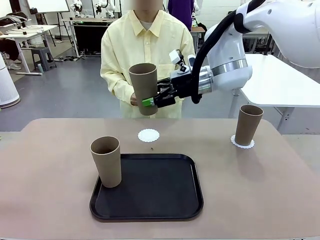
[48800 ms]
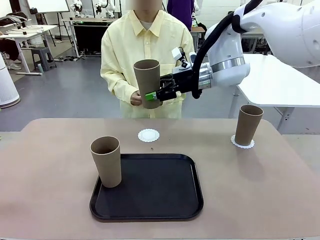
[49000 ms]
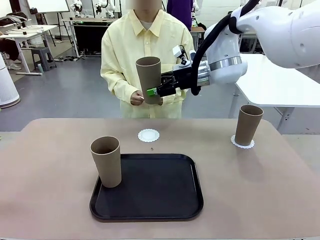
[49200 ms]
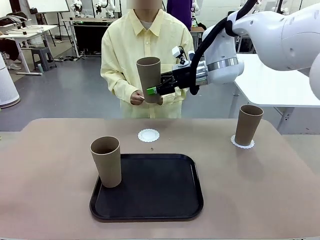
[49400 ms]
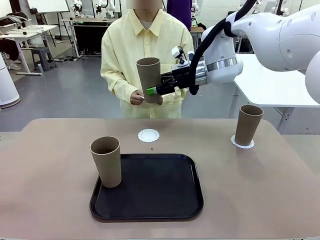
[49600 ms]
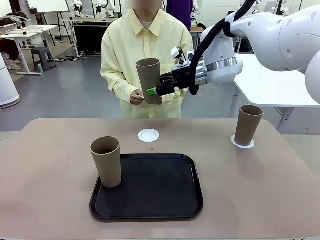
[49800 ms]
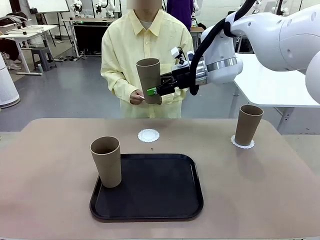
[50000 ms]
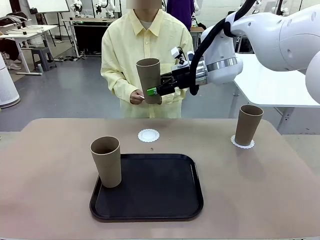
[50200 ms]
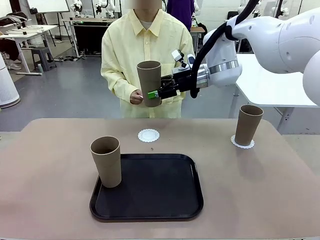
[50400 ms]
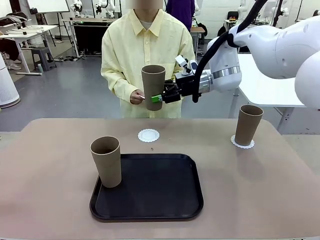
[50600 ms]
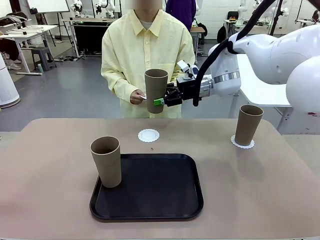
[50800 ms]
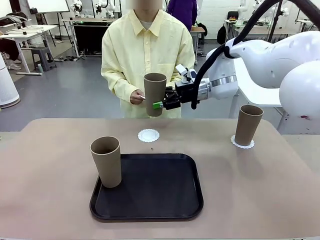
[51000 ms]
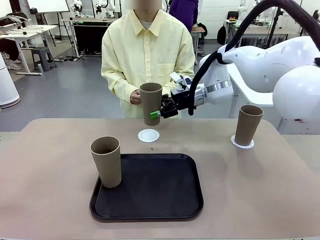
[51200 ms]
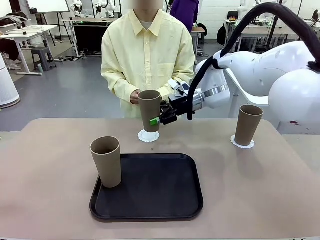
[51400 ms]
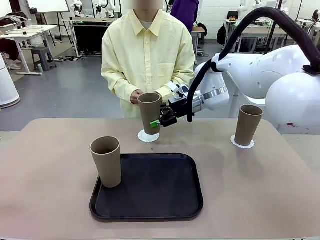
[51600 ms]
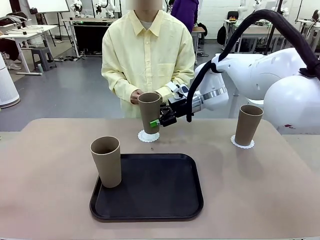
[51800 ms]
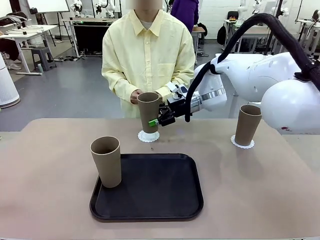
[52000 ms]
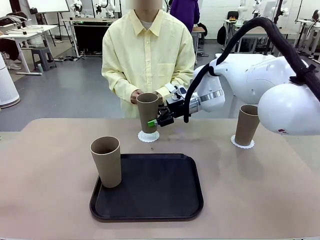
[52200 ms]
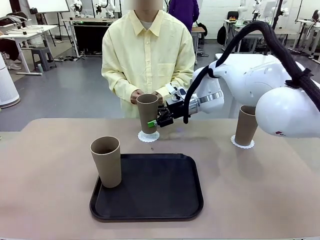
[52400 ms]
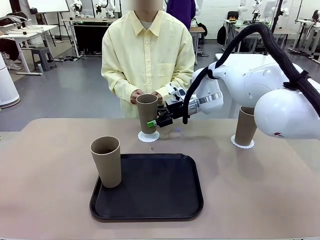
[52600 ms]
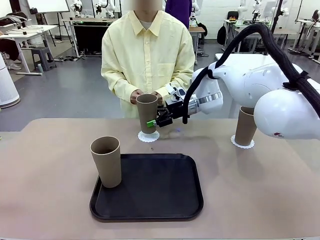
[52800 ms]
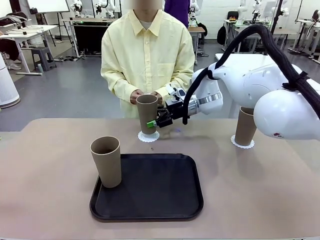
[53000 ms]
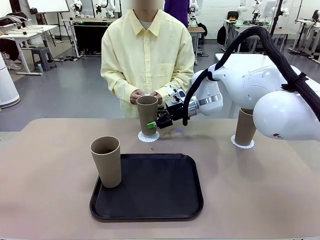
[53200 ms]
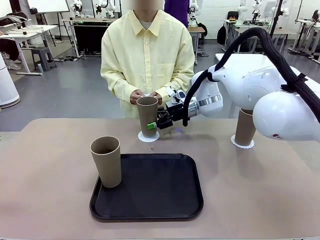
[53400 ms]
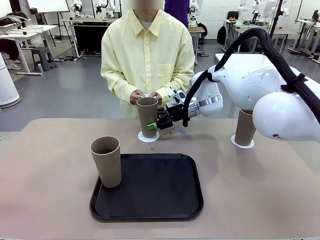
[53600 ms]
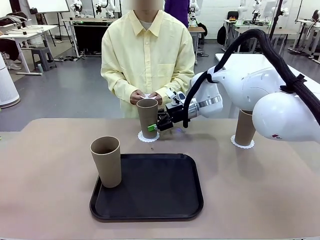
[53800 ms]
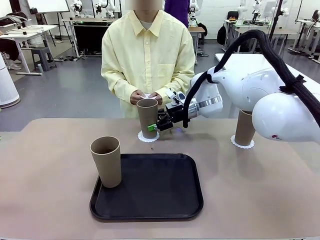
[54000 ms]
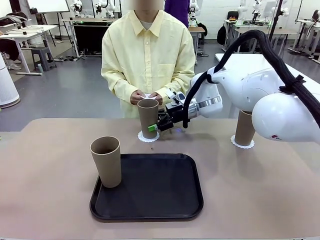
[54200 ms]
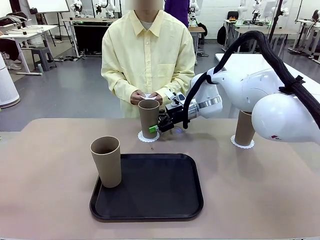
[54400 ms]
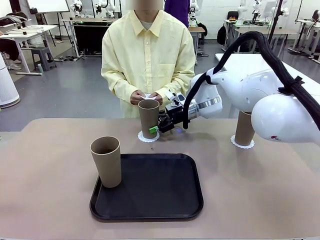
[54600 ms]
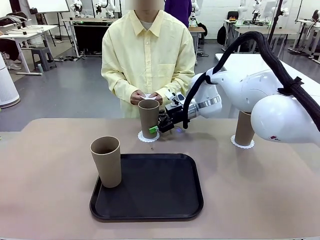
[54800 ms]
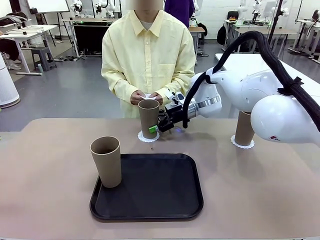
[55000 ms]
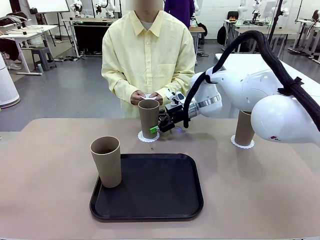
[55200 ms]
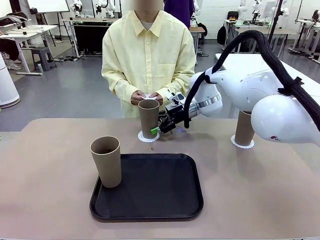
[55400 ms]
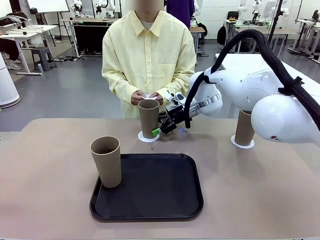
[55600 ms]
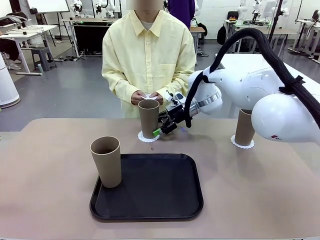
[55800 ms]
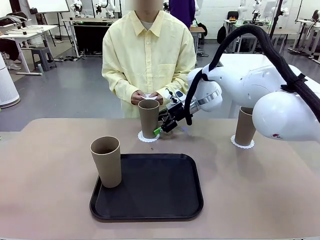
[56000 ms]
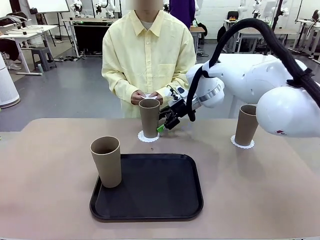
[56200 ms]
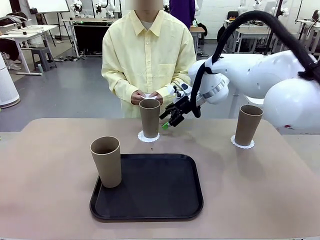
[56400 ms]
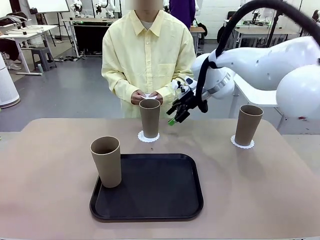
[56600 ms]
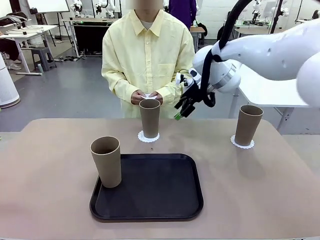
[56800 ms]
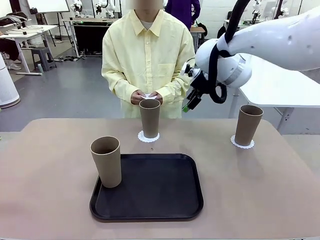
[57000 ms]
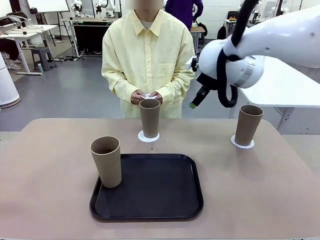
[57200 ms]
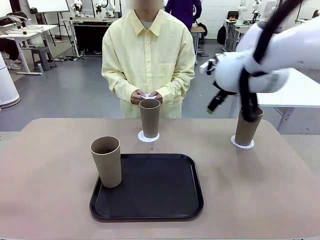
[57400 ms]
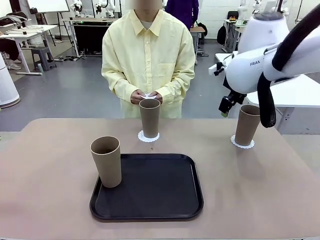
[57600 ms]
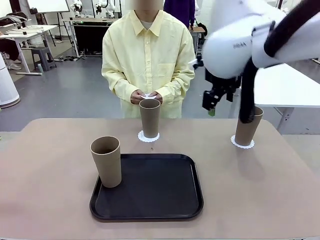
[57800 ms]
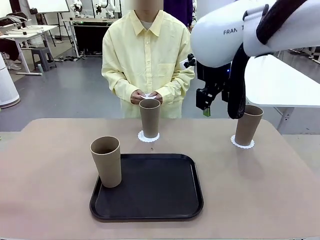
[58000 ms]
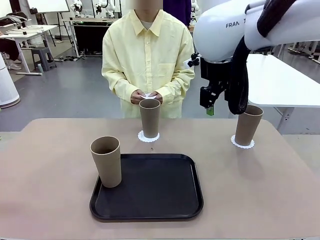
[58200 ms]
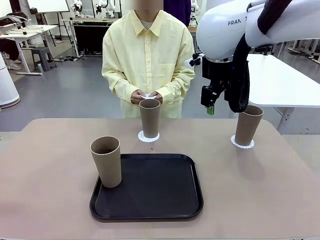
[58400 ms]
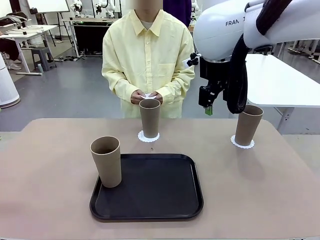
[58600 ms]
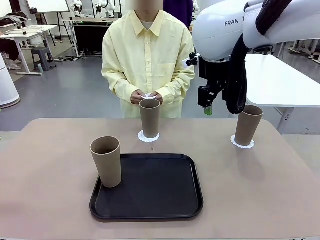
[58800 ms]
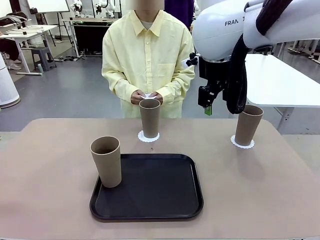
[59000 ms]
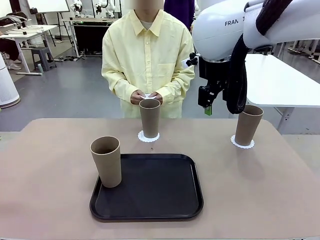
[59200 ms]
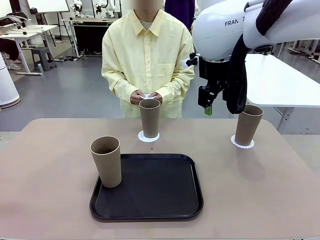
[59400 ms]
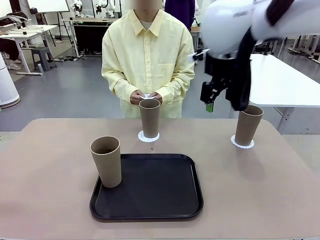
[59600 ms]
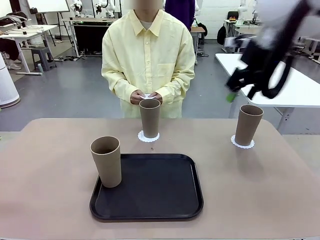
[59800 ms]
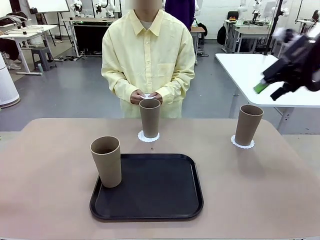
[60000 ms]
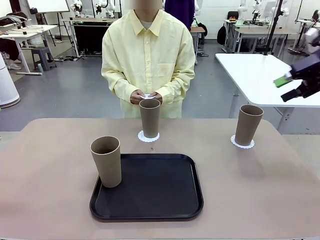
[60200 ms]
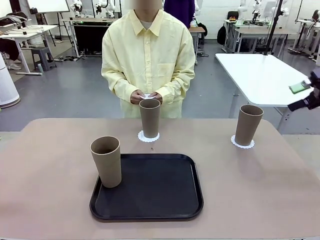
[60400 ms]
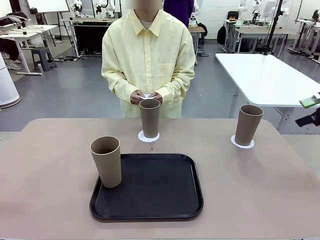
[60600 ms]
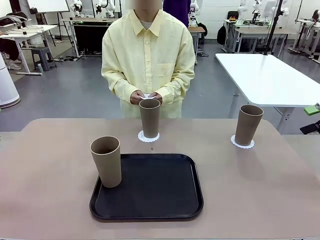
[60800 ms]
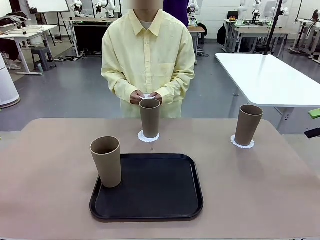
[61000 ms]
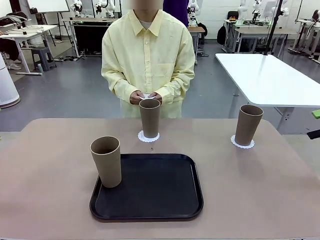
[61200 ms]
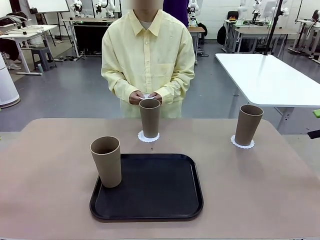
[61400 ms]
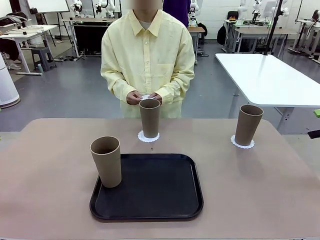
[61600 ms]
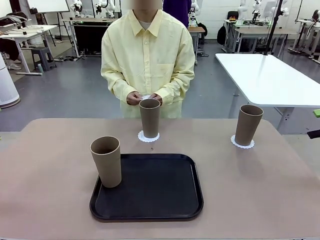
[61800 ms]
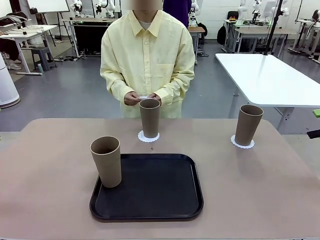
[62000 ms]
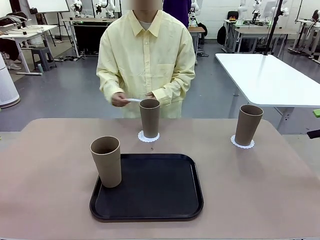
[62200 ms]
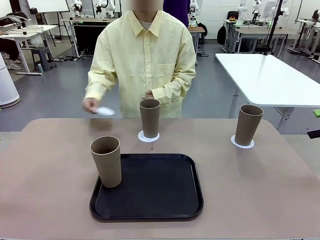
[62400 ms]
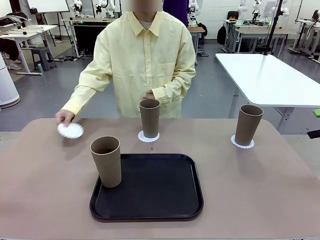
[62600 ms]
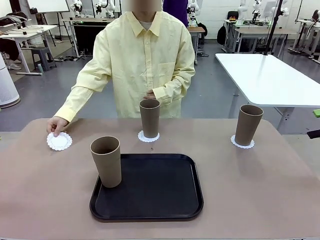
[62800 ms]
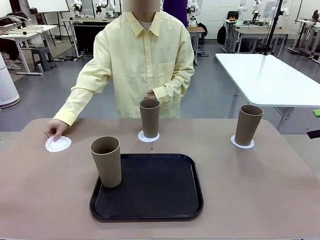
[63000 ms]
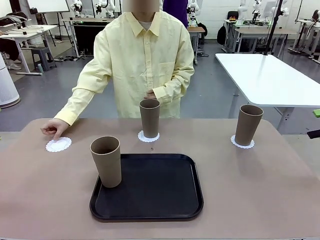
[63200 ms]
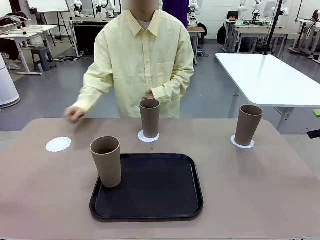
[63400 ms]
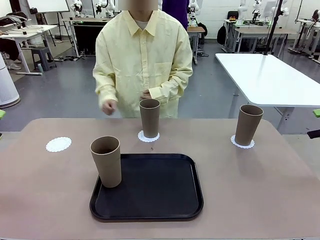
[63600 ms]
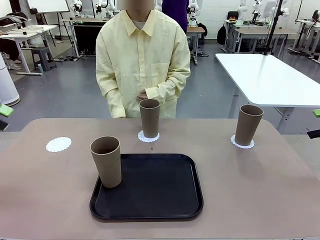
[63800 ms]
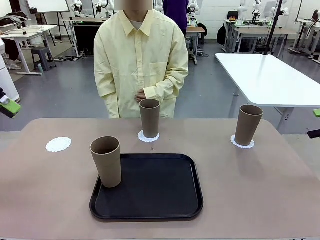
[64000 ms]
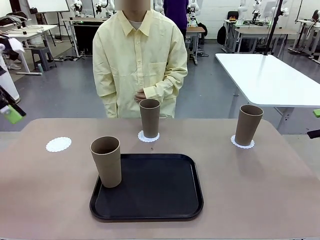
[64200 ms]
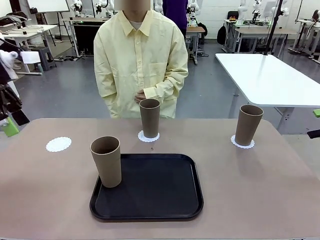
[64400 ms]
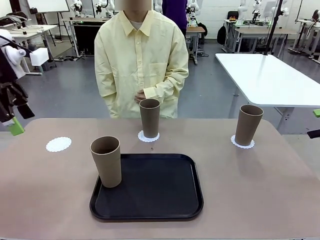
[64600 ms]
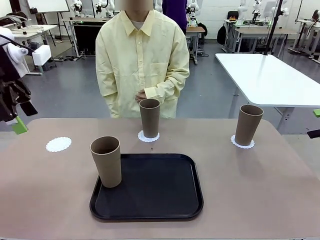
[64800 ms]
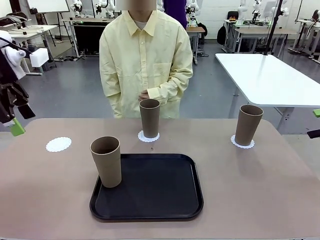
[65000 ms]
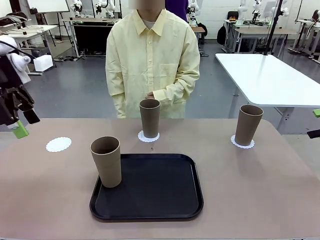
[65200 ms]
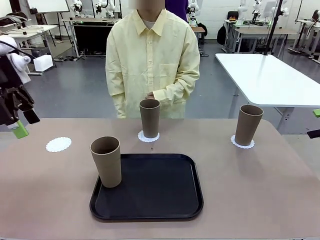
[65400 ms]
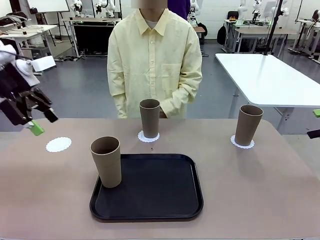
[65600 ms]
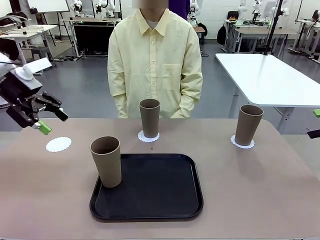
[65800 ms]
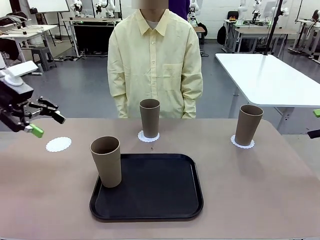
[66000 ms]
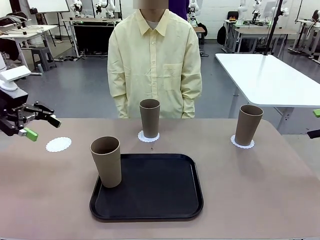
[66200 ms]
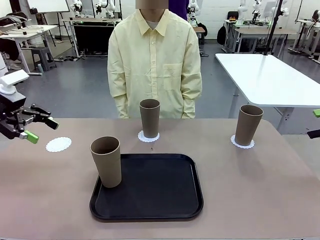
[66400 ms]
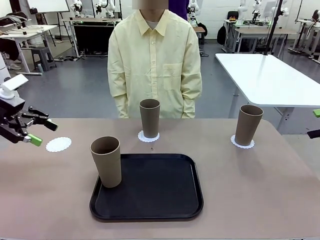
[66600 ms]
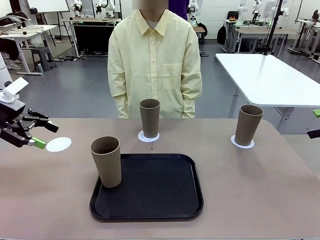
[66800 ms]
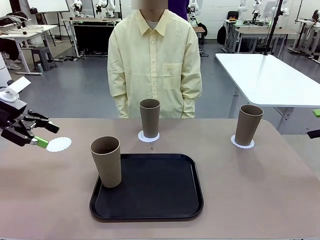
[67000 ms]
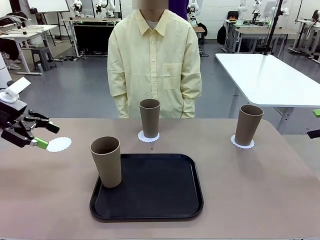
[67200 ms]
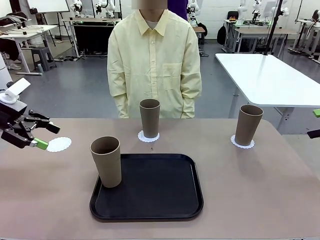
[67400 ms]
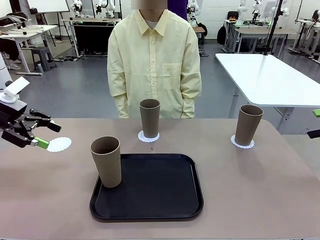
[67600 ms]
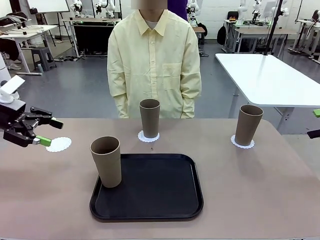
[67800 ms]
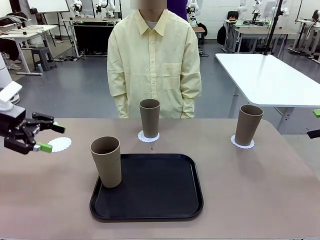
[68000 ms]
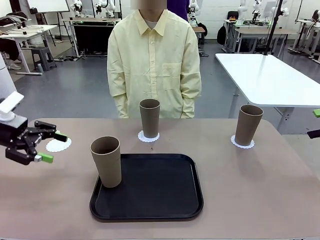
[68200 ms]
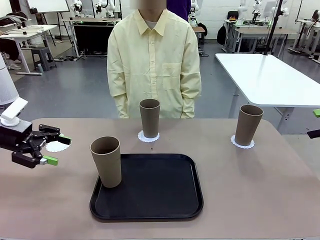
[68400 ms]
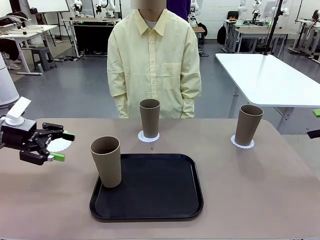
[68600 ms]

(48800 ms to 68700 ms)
Task: Place coasters on the table and set cups on them.
Robot: Take one Reusable plastic cup from the Flat Tray and place it on a coaster set by the human.
